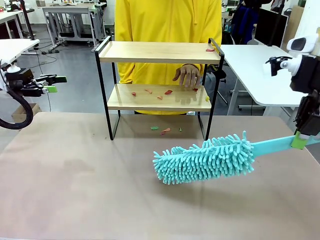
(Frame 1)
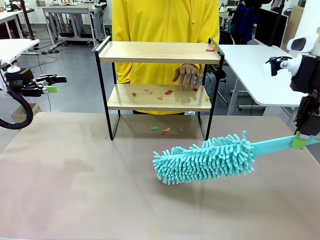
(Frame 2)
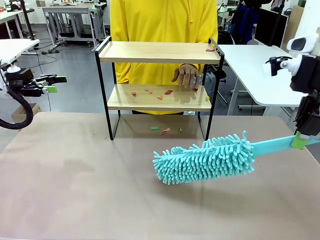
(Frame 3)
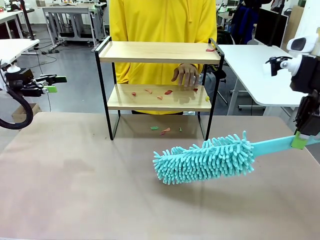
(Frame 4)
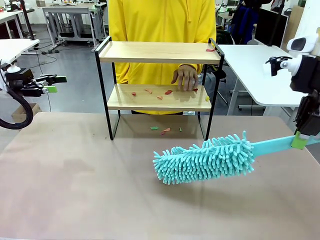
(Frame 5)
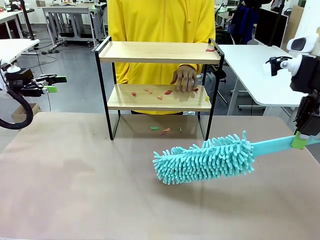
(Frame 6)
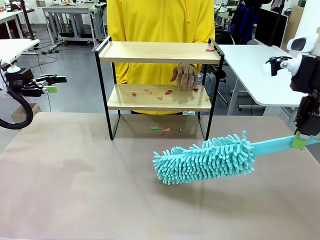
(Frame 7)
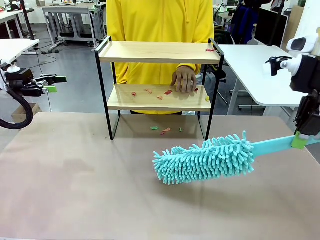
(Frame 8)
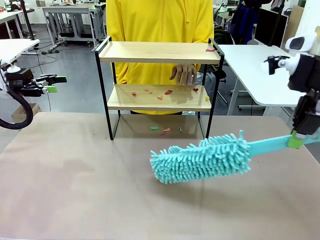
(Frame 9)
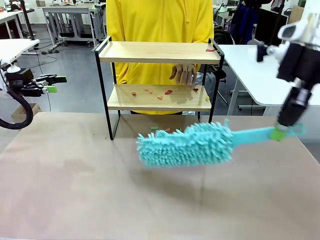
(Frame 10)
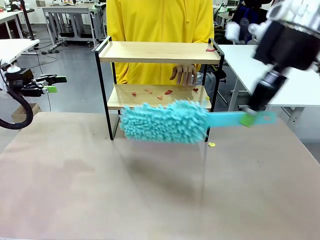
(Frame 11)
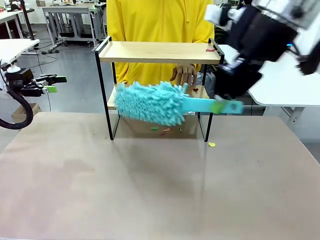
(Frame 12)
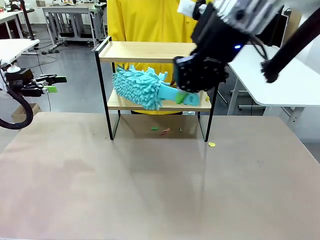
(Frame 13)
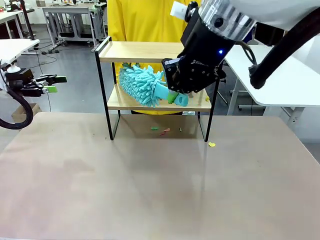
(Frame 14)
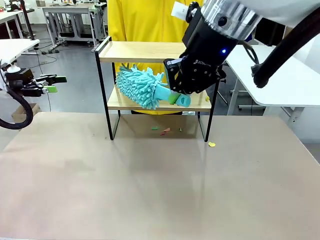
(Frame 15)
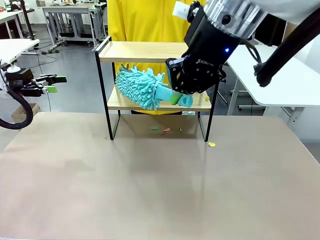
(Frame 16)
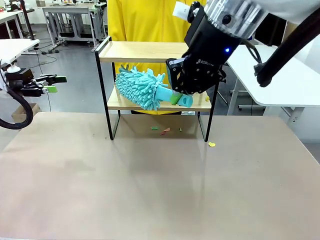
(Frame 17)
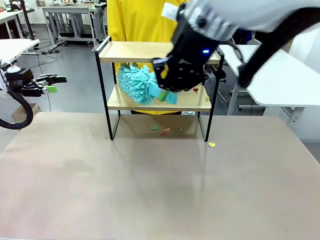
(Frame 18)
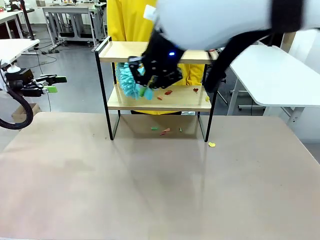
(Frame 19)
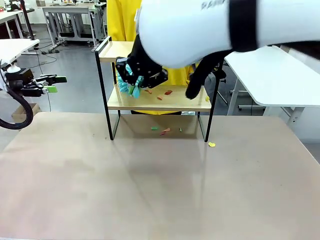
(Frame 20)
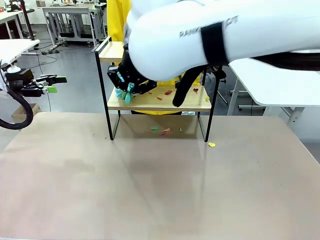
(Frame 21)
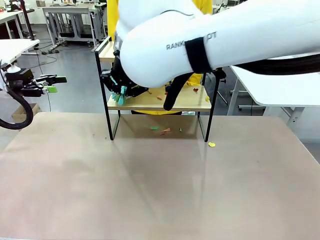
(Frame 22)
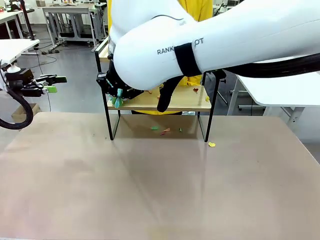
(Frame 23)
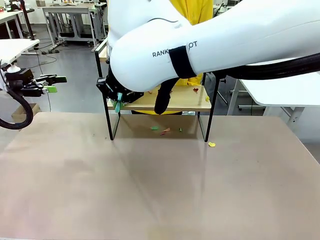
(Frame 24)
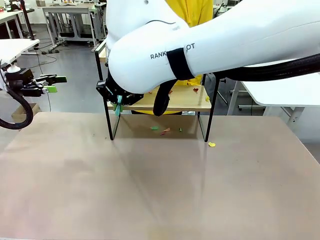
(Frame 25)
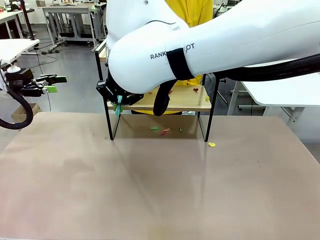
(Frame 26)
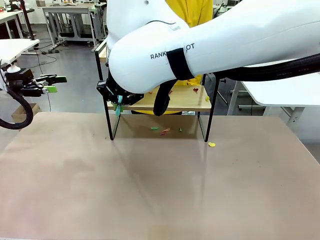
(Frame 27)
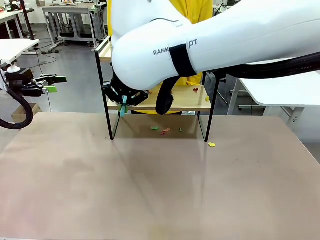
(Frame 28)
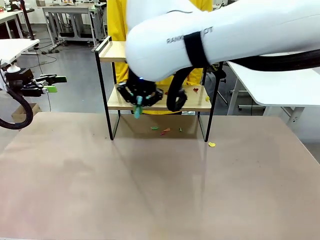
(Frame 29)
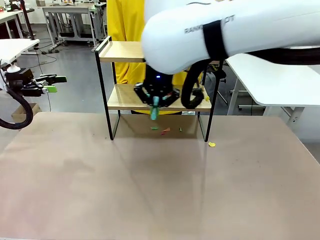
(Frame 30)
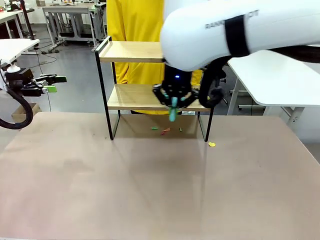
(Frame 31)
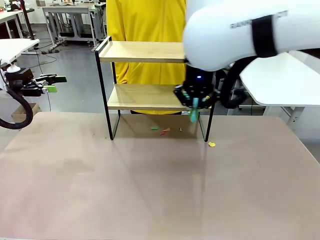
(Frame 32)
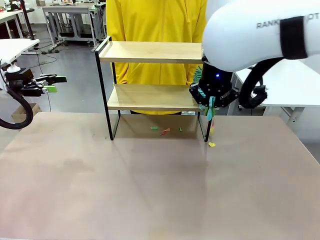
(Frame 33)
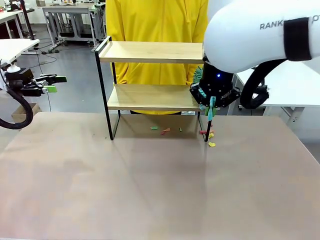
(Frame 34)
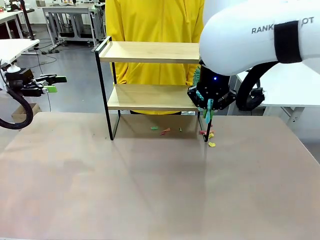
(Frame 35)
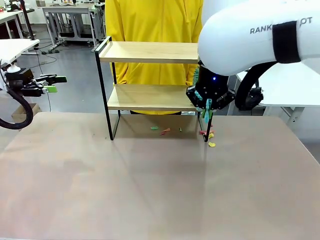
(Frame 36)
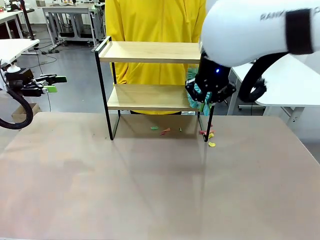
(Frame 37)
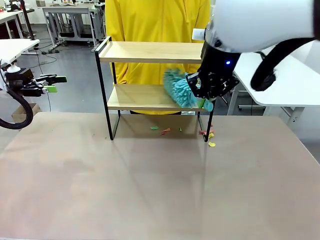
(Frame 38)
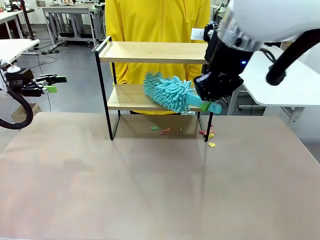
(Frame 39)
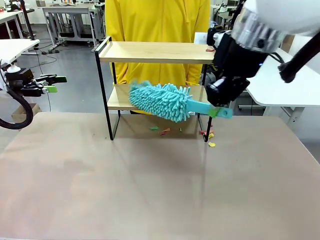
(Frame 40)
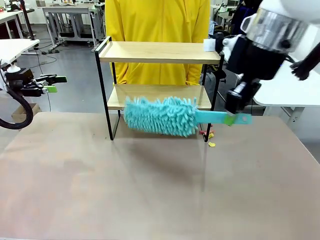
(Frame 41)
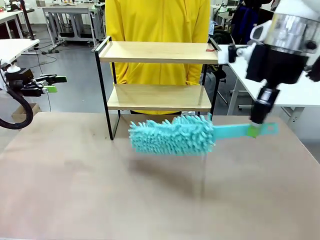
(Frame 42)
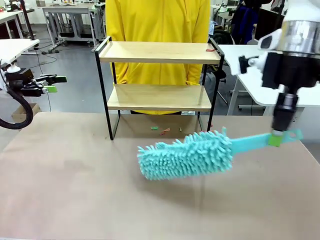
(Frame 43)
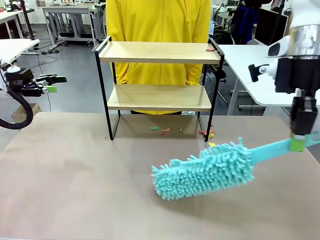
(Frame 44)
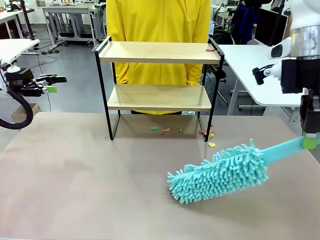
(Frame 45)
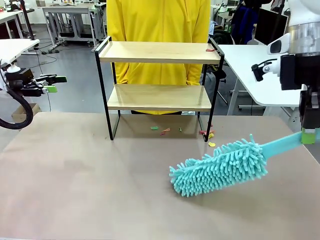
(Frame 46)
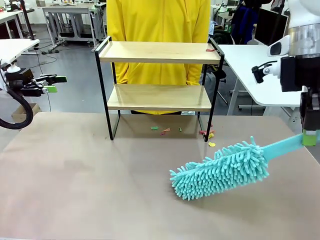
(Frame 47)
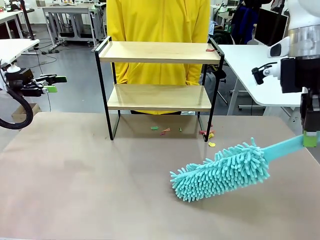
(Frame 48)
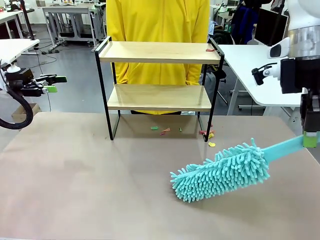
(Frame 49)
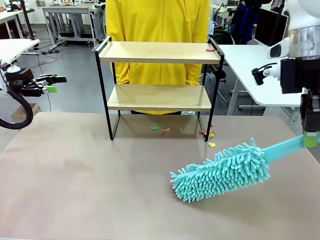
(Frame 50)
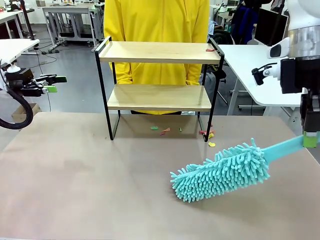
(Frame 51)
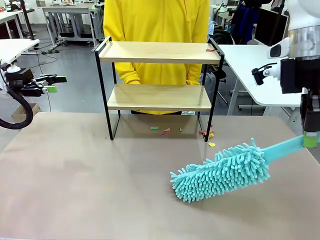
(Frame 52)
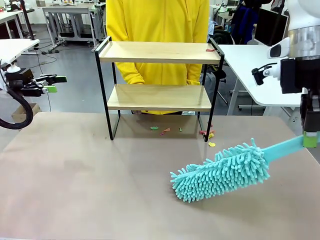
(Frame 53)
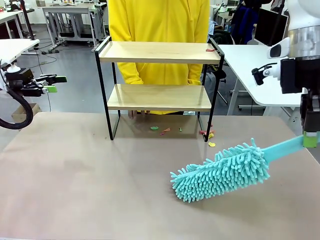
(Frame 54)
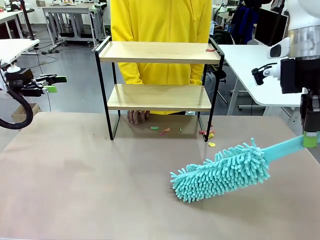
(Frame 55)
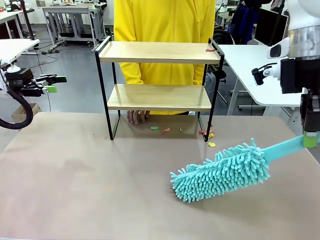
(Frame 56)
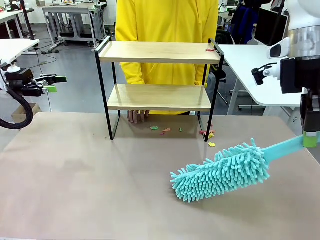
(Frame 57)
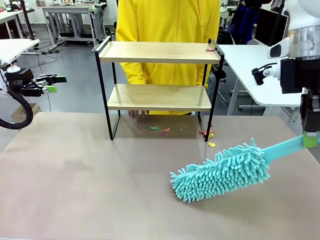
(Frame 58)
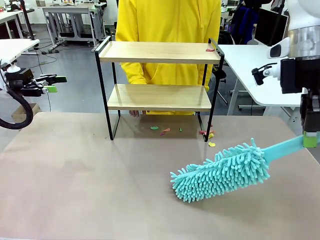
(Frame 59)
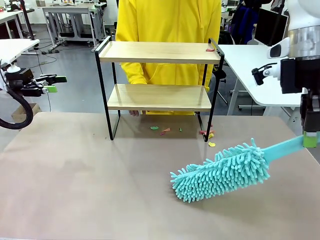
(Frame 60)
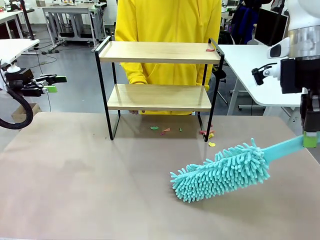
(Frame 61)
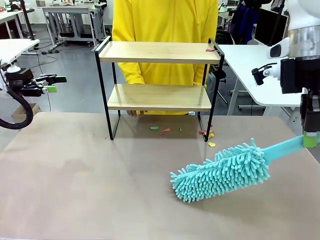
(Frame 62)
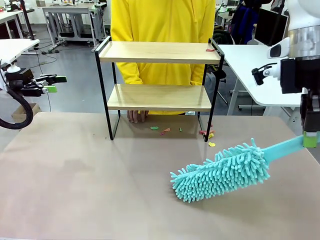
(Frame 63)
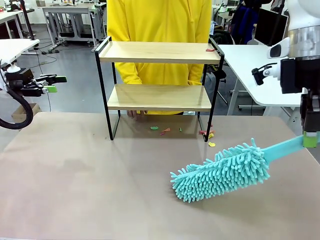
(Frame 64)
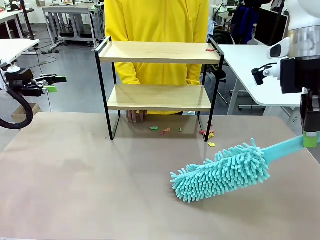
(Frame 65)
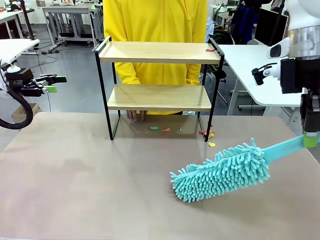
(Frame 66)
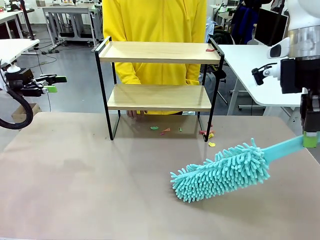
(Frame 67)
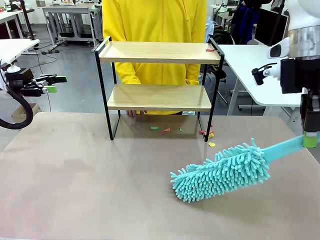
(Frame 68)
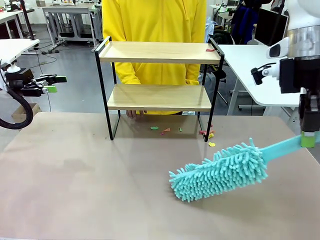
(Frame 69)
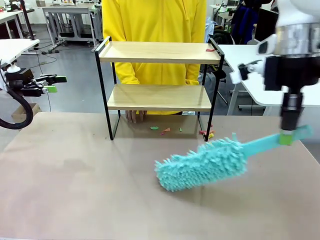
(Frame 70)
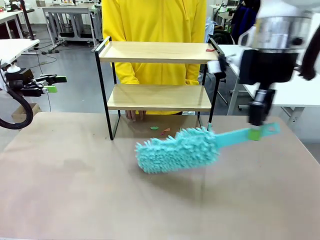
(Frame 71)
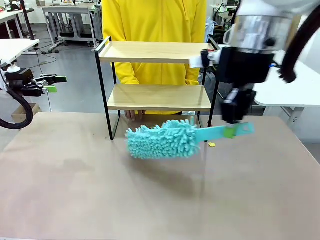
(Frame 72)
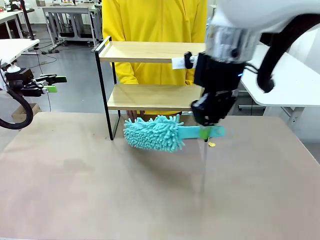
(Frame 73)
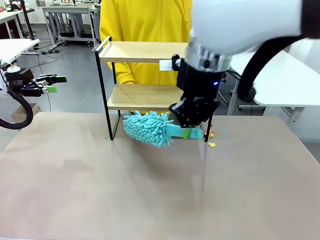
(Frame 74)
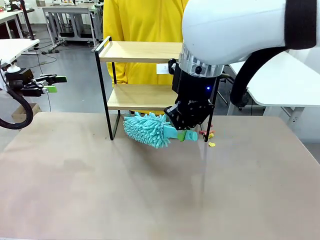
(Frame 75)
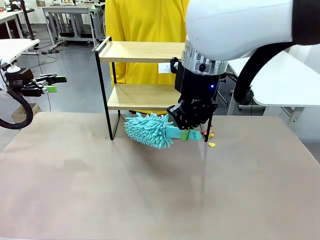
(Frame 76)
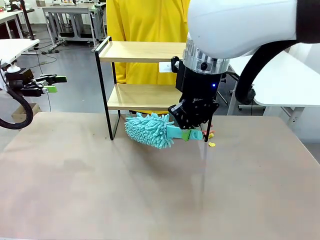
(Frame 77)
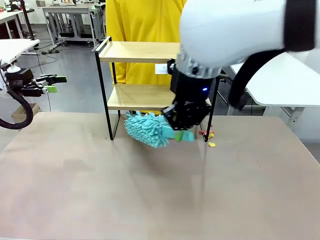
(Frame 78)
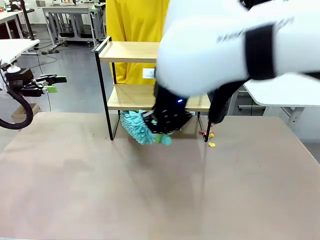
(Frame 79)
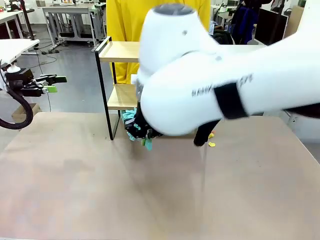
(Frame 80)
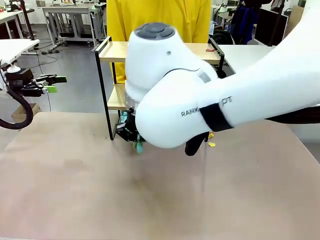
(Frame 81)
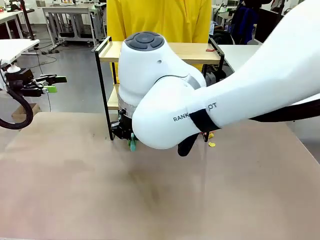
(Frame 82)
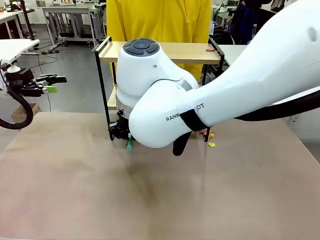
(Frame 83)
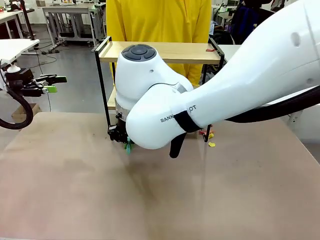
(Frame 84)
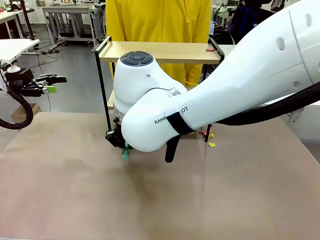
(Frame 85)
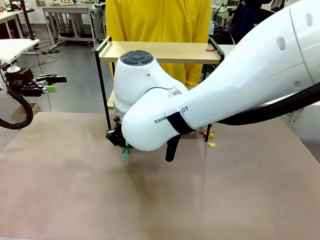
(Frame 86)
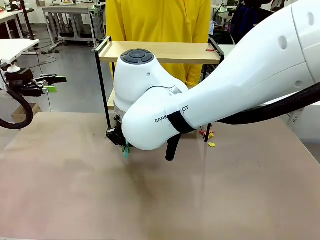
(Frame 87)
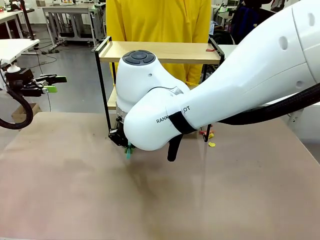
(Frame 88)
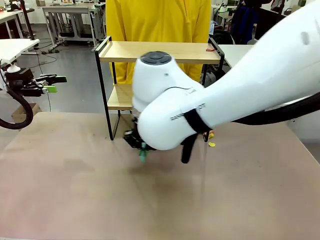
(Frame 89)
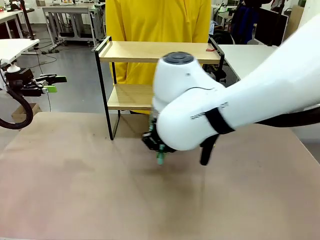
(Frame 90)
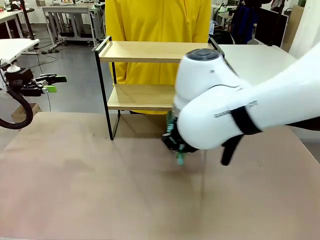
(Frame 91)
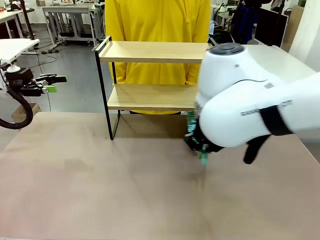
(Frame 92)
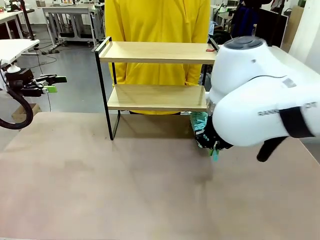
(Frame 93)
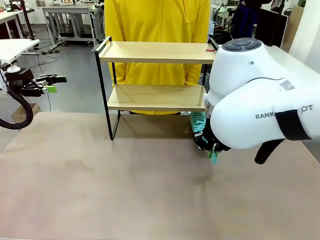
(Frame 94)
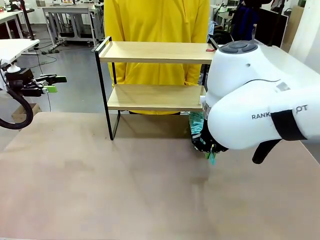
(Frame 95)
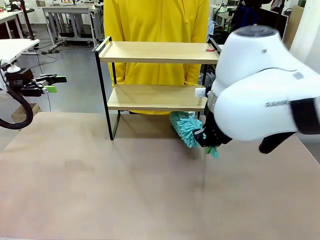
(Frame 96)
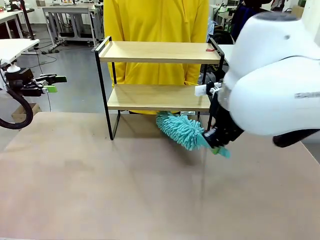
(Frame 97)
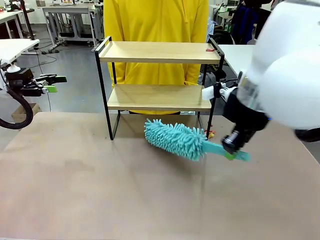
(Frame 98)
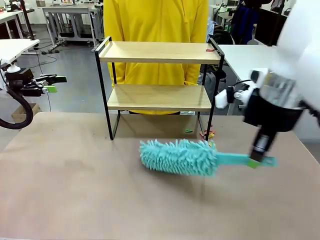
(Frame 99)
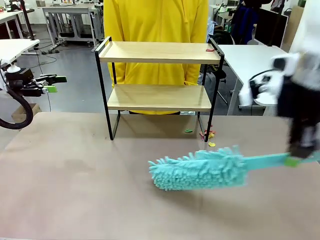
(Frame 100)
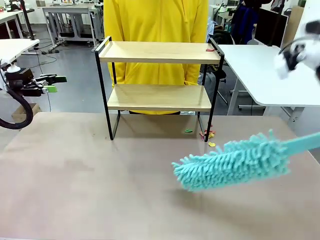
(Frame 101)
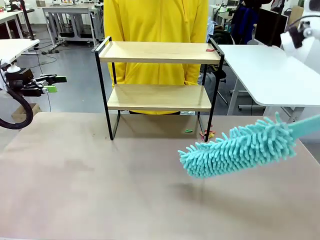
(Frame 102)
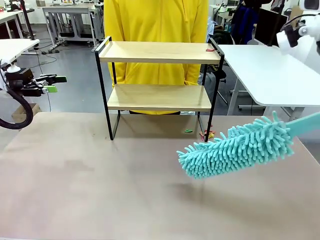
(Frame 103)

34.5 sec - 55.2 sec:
Task: Clean the shelf.
Robot: Clean the specific section of the Shelf indicated by the human with the Duster.
Person: Point a remaining section of the Shelf.
